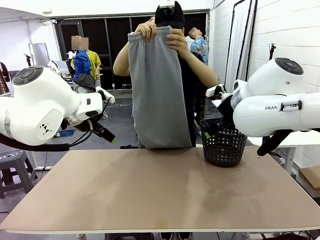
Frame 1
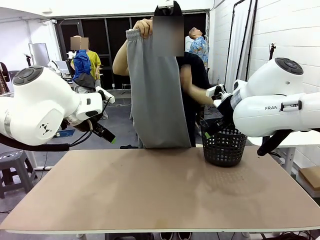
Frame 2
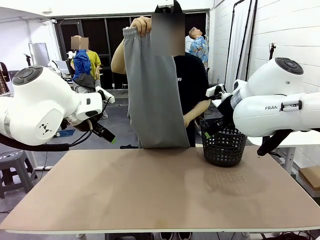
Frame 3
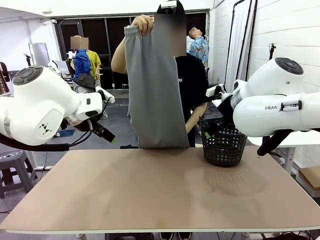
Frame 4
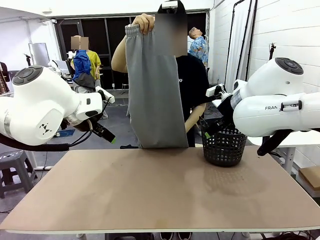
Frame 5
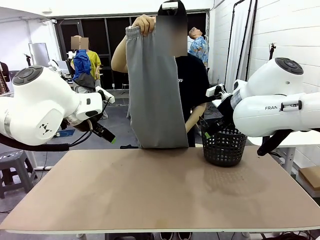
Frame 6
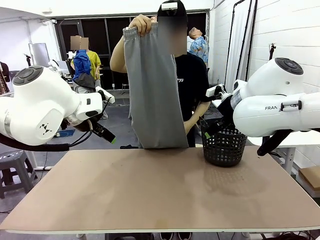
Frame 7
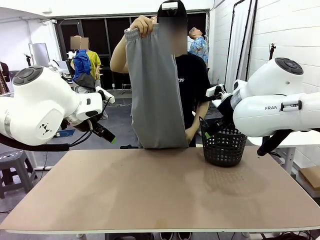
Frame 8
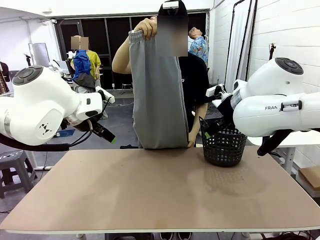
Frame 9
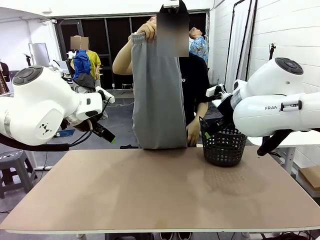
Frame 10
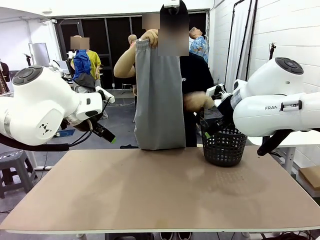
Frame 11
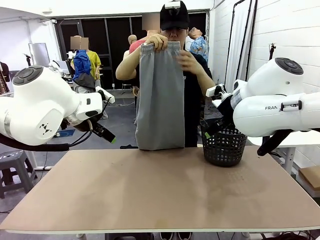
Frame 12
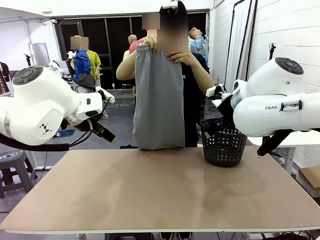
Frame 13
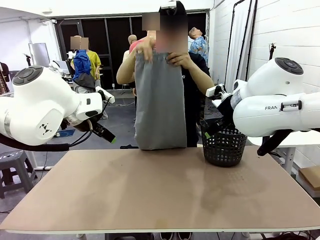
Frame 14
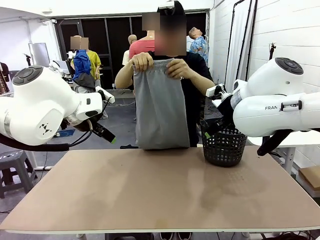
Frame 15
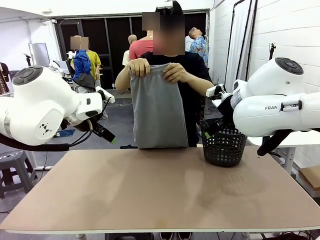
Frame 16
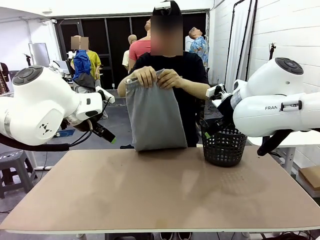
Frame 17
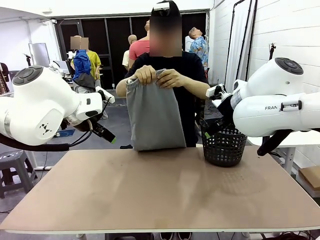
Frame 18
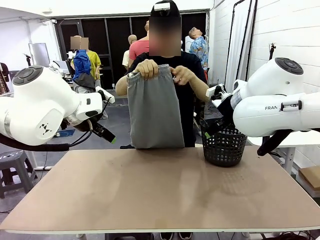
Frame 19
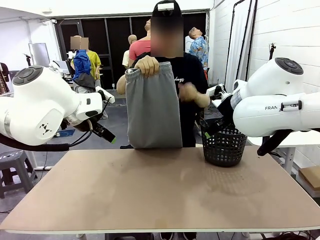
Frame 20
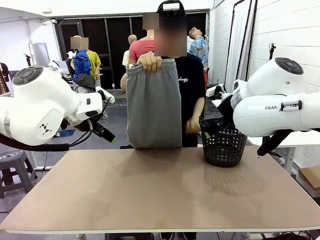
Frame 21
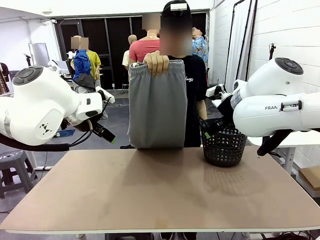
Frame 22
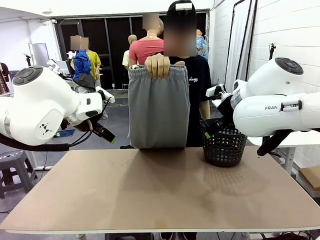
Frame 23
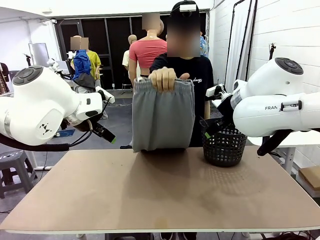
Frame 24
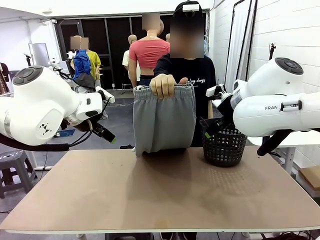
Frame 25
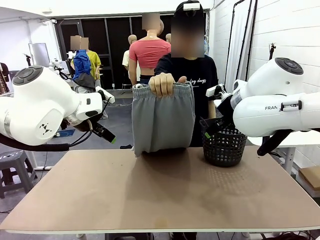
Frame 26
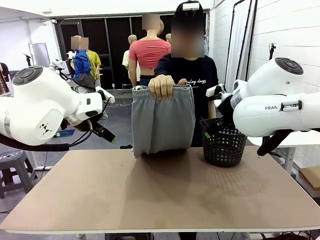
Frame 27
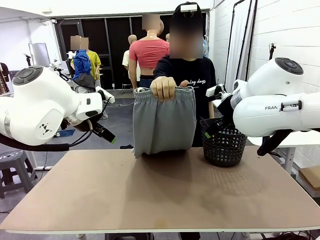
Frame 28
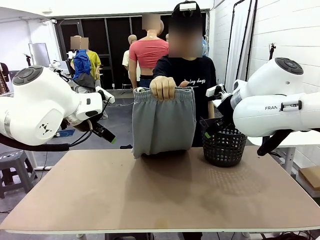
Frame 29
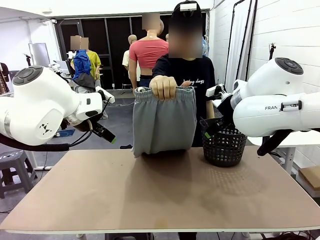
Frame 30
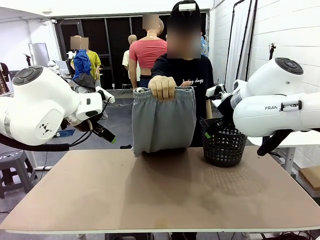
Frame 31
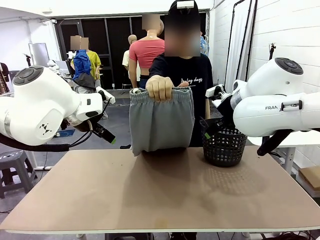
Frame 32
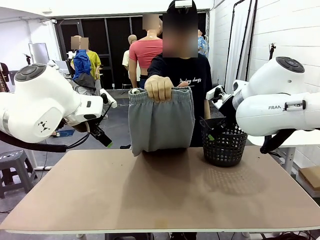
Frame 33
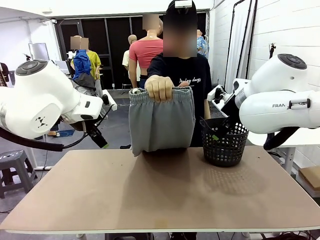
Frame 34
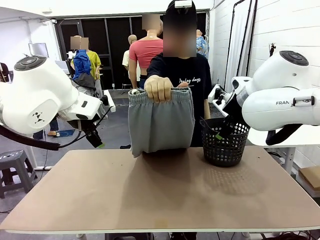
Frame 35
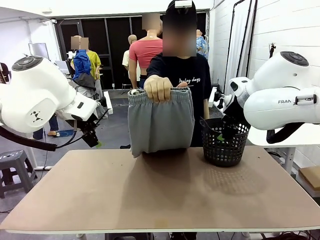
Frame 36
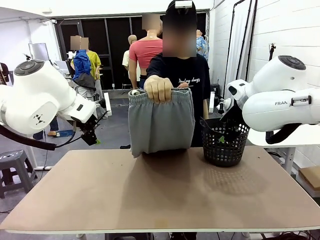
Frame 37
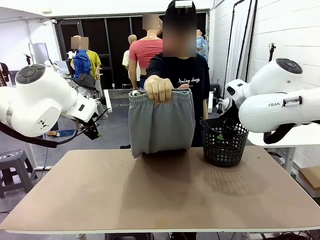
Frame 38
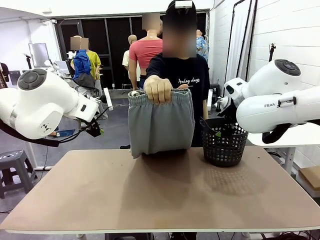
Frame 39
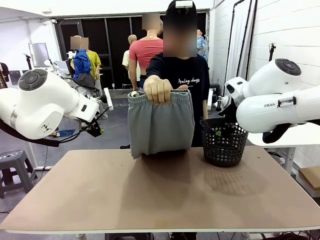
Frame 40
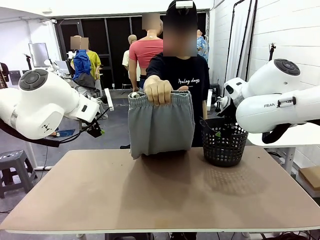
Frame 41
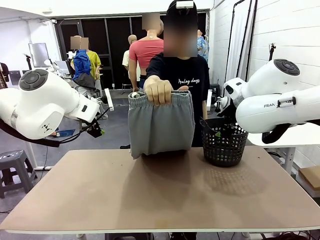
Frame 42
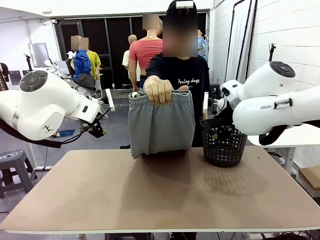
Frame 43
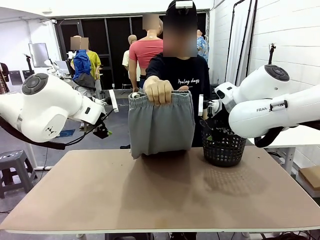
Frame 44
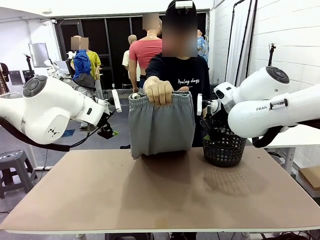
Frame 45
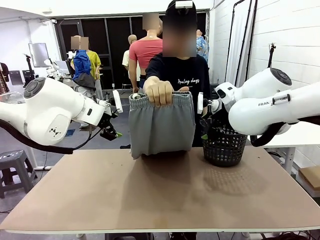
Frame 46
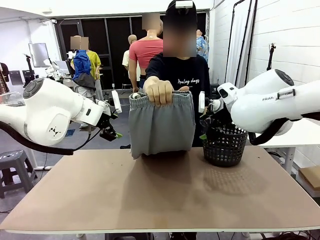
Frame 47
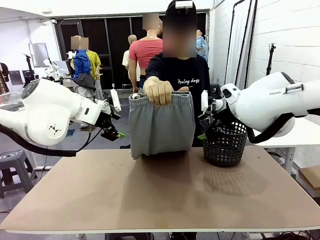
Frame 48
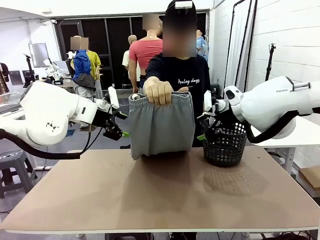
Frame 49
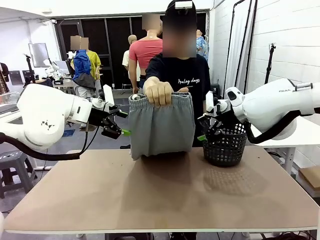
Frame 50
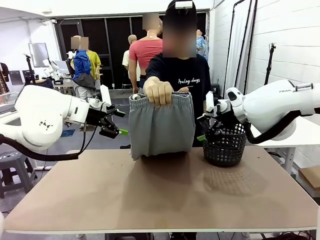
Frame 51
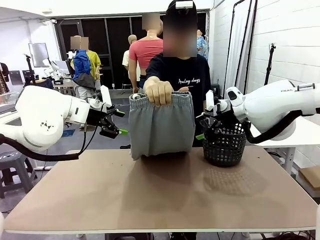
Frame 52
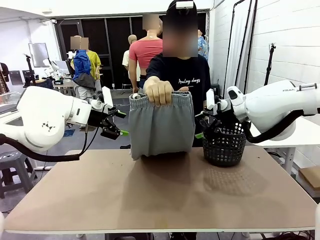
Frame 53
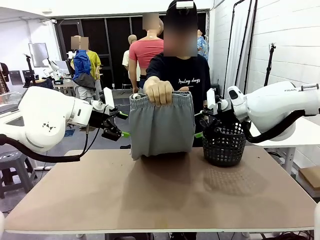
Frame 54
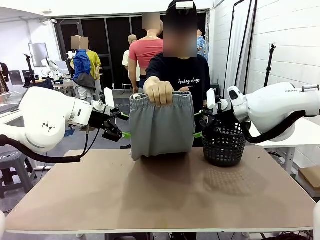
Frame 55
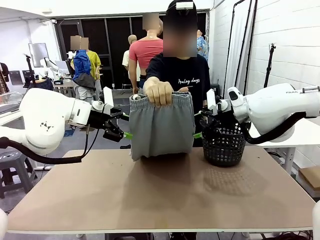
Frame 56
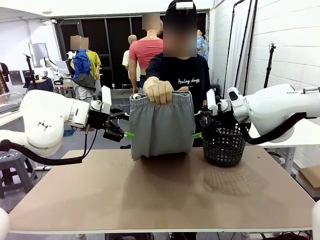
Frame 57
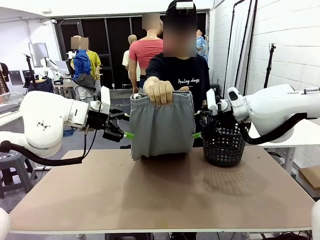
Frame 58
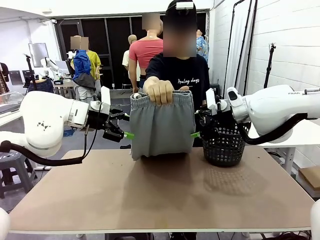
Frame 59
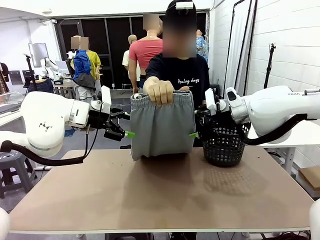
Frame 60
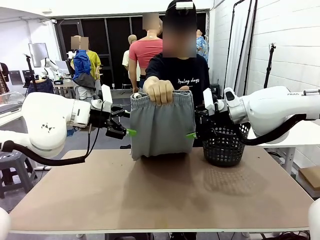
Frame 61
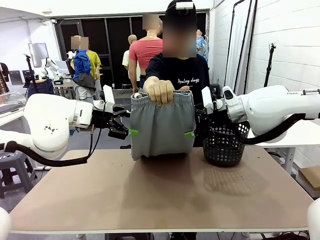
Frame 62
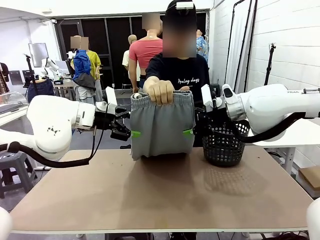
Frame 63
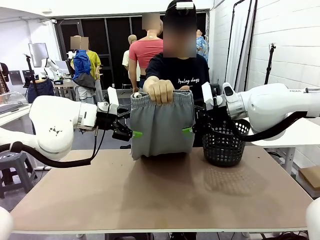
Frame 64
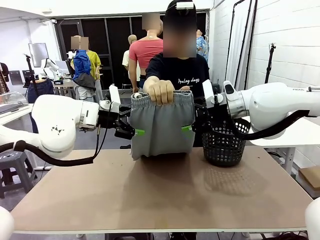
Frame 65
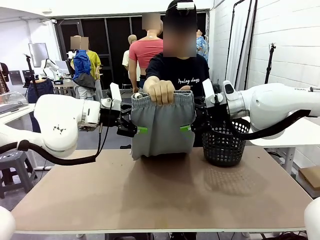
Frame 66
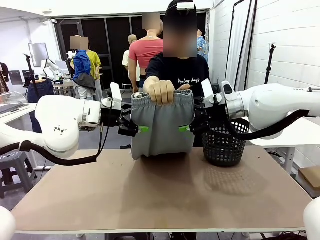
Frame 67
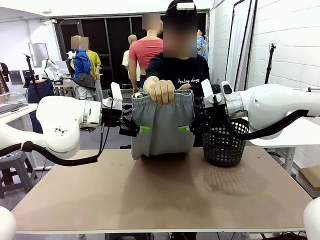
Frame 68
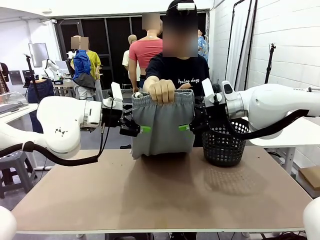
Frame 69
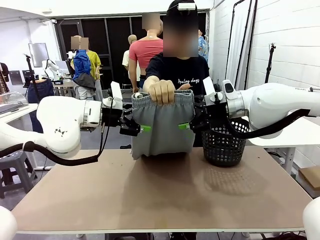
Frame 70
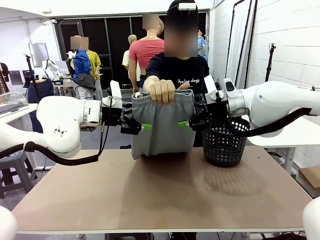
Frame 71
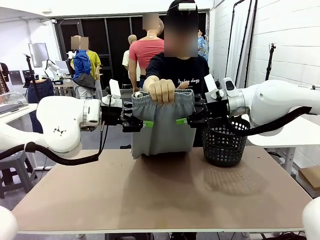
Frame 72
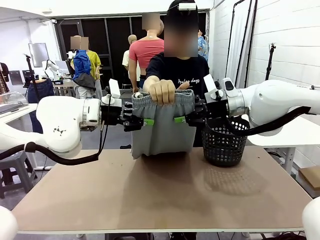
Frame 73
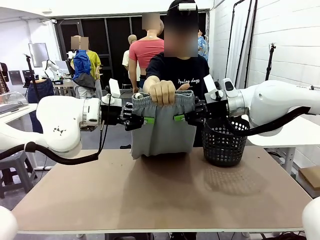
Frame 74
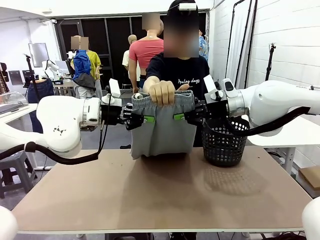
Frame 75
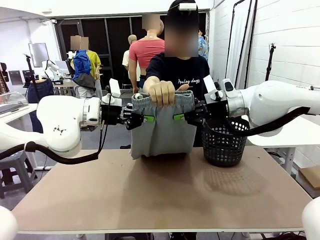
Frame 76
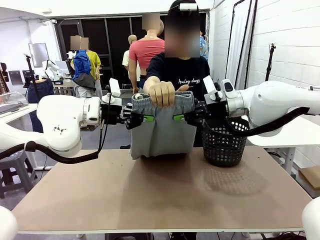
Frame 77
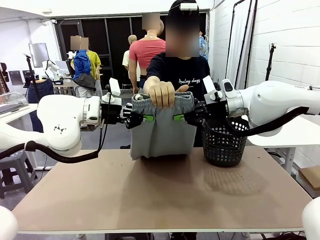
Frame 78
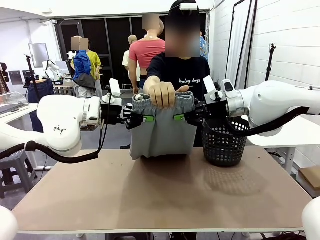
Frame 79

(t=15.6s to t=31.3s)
Task: Fold the training pants.
Robot: Grab both ends of the Training pants handed by a person.
